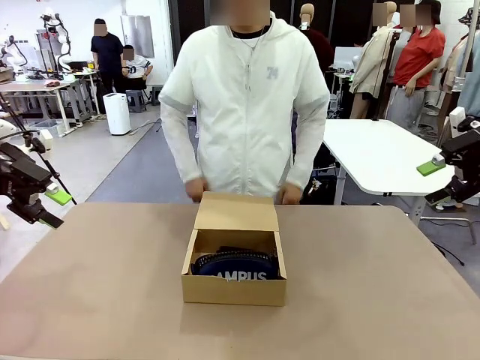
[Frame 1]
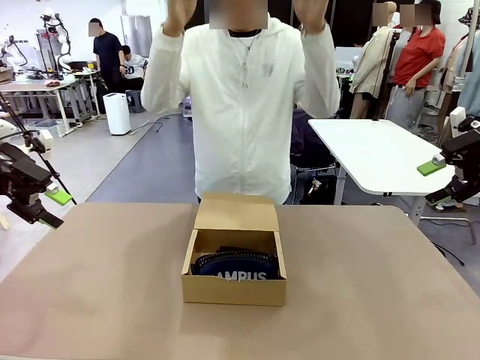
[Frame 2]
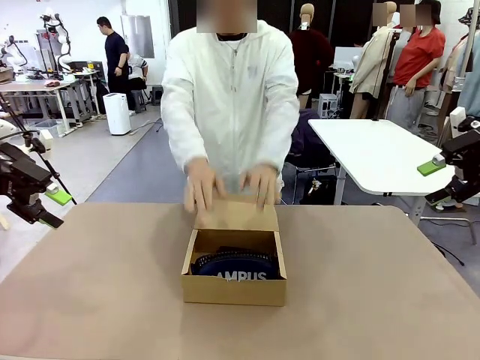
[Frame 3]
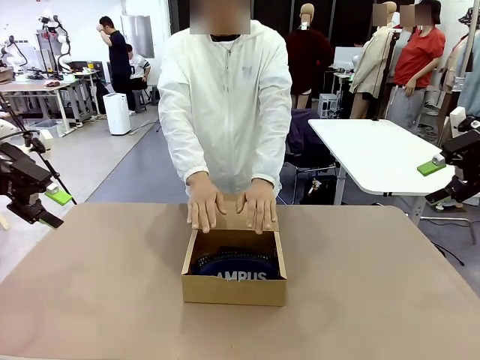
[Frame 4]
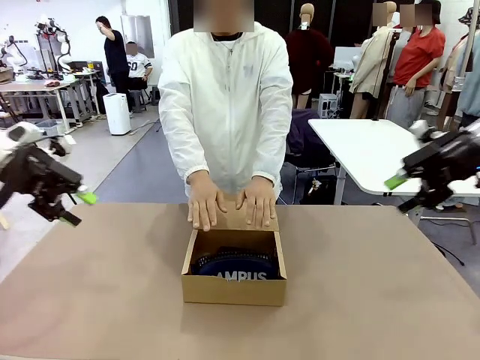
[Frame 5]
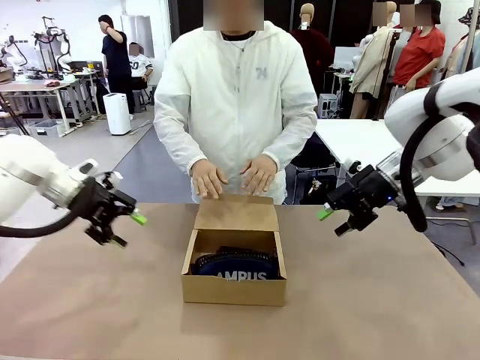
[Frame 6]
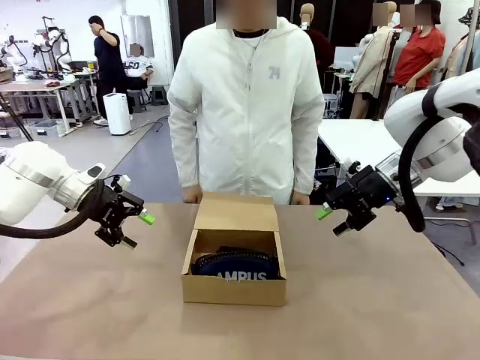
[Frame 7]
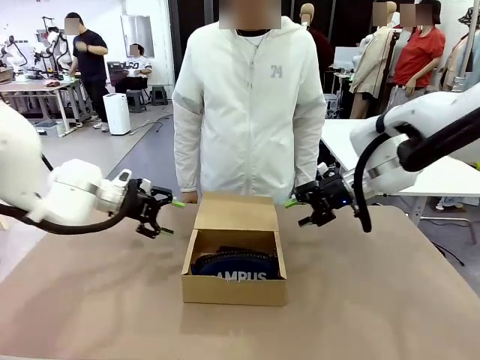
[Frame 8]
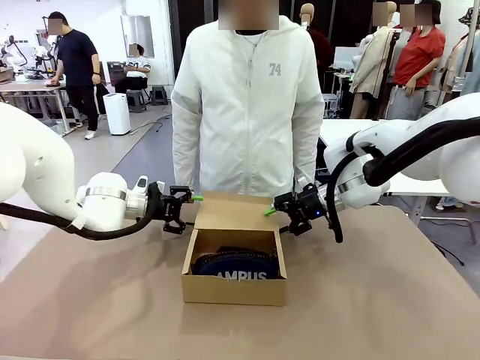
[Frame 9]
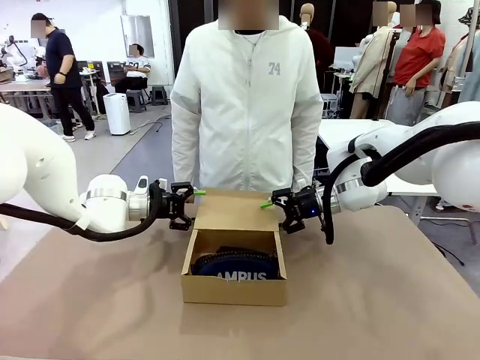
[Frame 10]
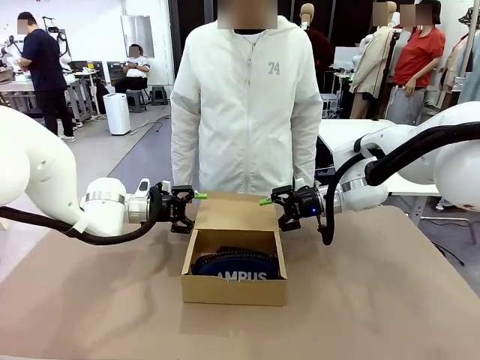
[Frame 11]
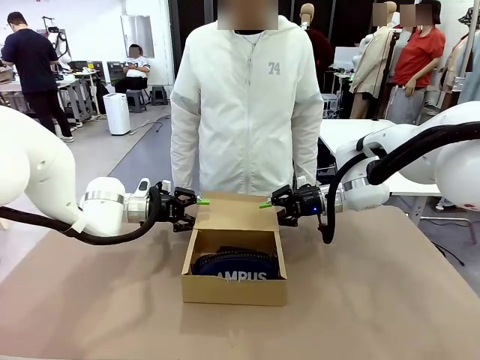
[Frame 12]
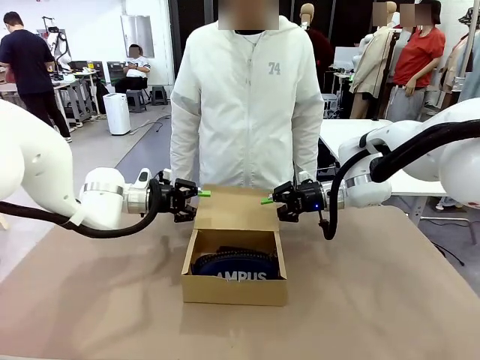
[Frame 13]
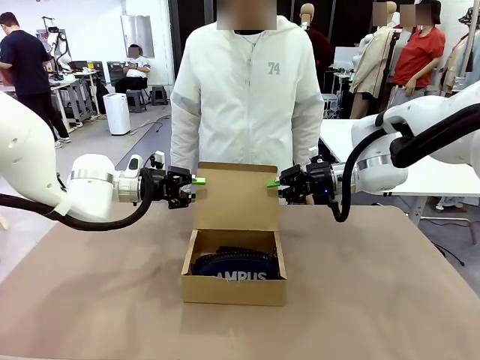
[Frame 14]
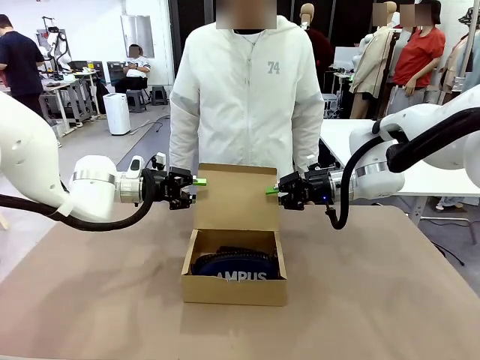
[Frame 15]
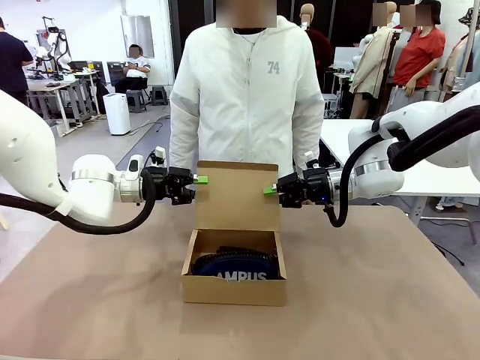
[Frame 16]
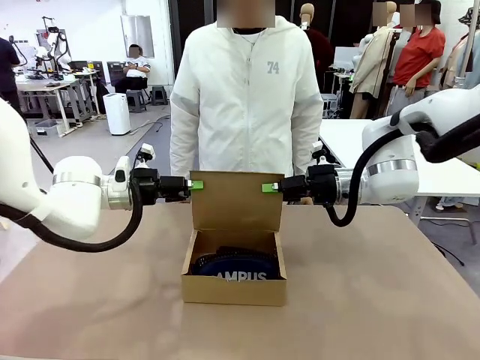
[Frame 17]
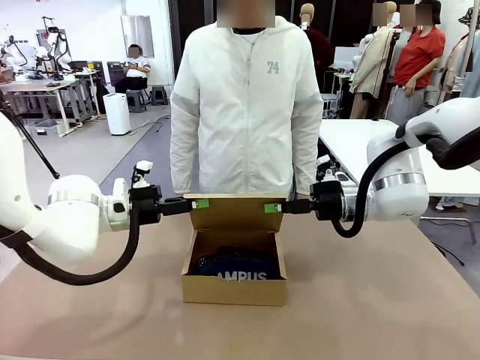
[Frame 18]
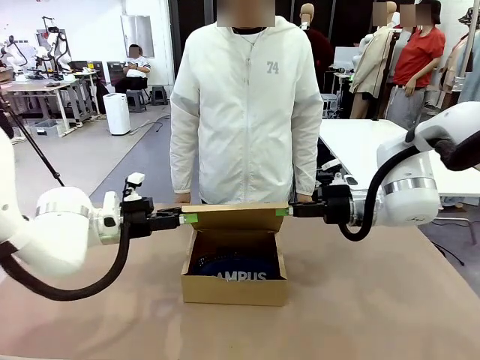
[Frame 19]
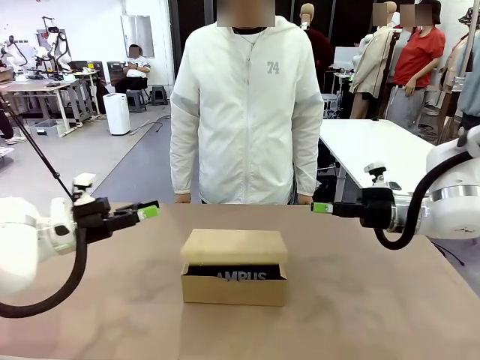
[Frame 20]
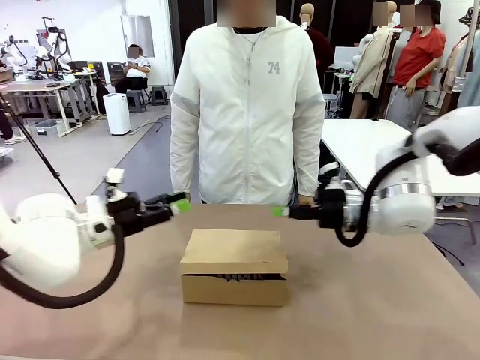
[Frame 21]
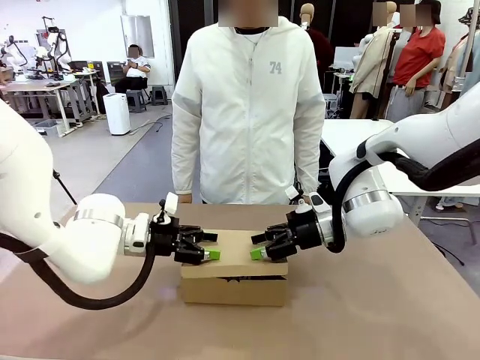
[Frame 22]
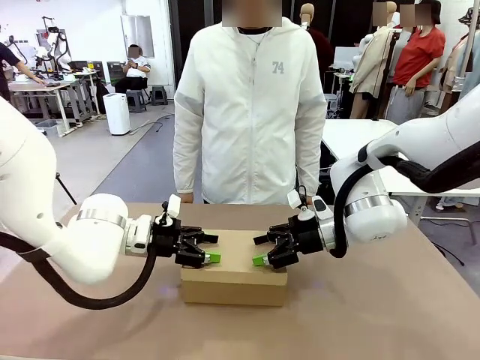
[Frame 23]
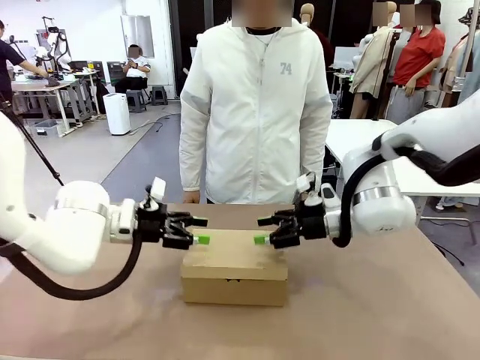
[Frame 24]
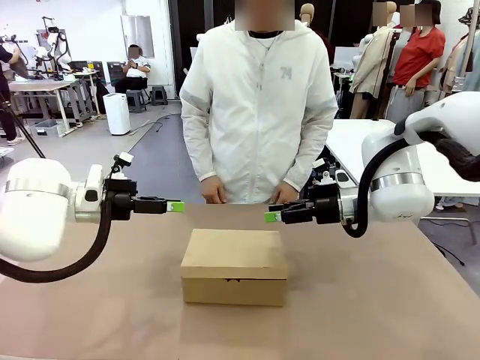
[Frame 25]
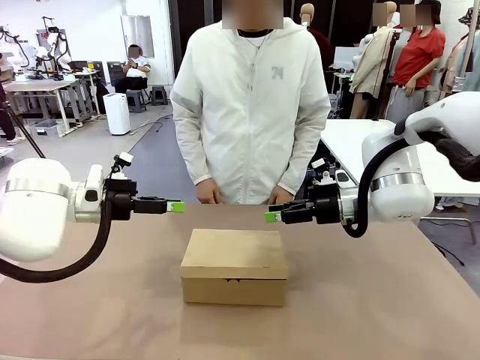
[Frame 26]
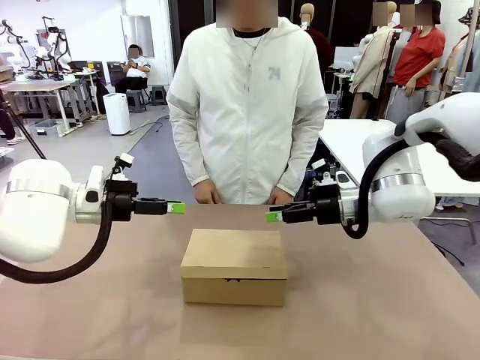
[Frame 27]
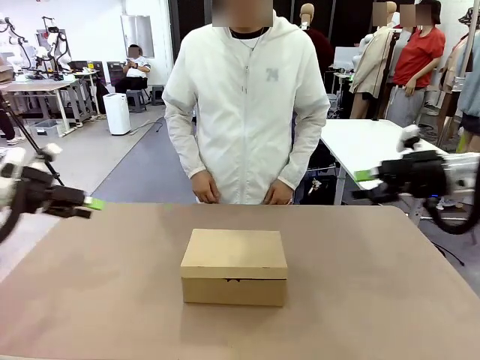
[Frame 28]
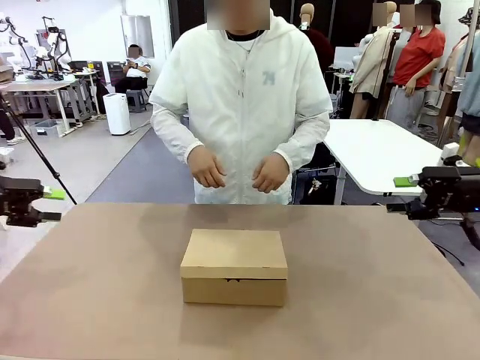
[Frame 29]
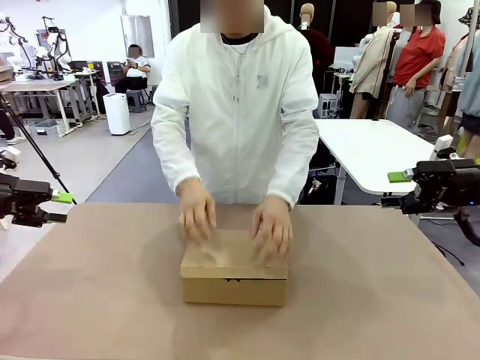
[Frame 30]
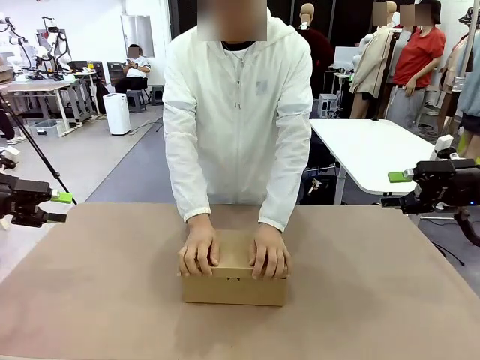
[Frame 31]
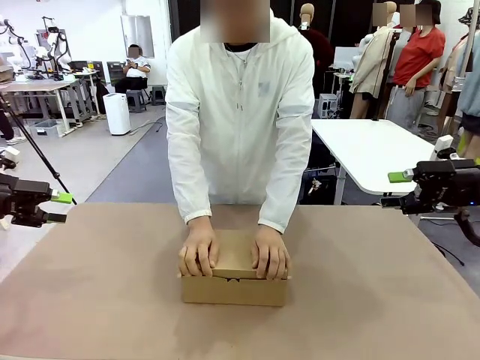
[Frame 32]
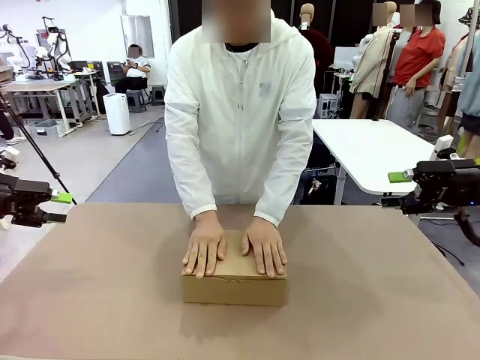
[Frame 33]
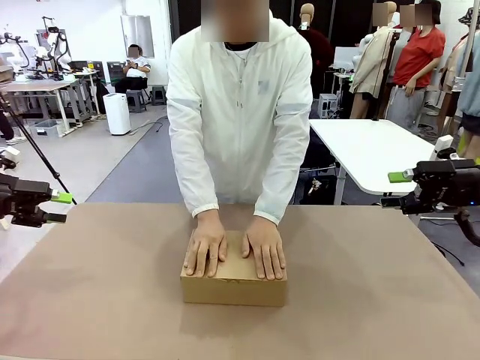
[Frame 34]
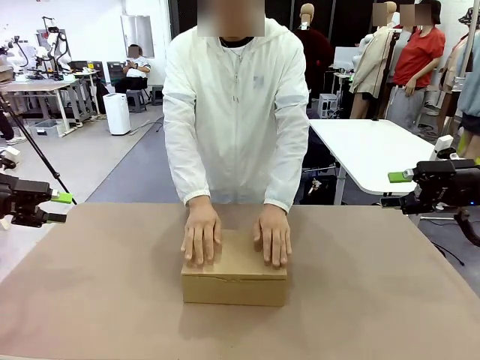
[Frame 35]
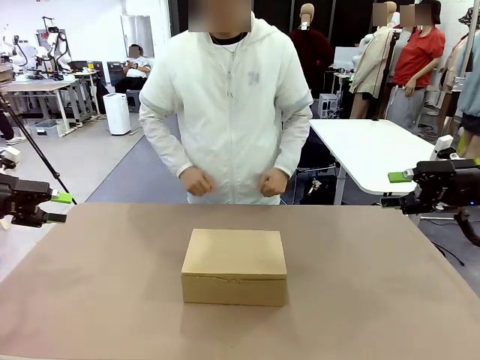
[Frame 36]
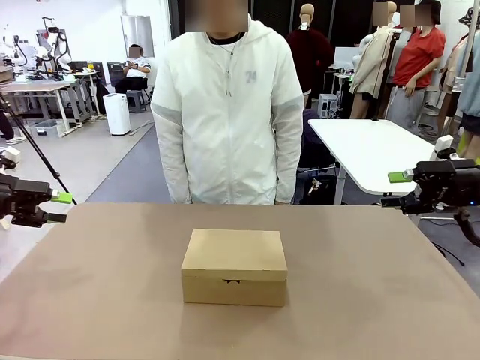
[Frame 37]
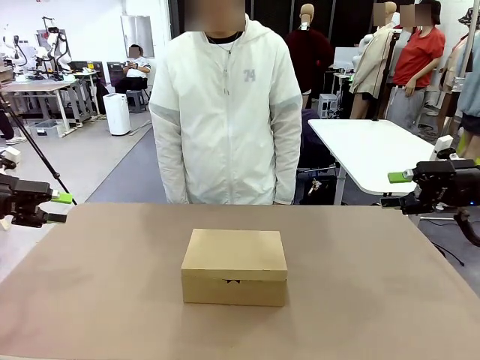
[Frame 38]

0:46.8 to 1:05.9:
Task: Pack the items into the box.
Robot: Close the Mailer Box.
Person: Turn the box and lock it.

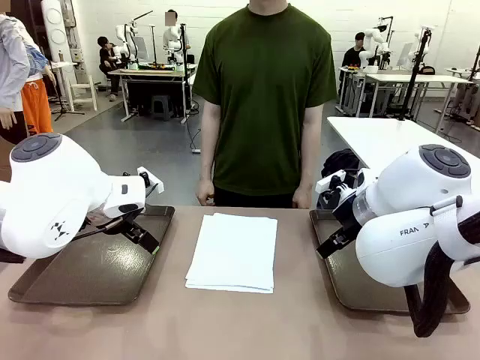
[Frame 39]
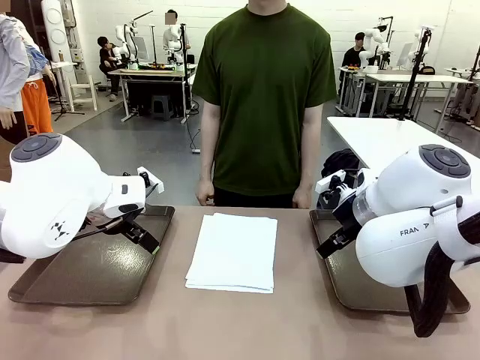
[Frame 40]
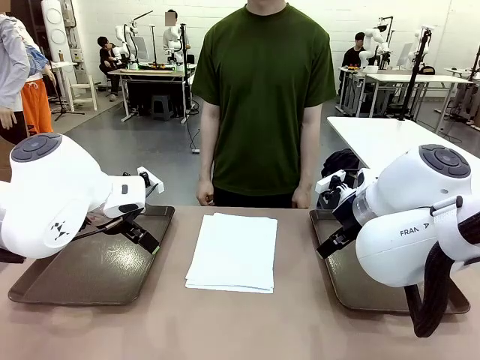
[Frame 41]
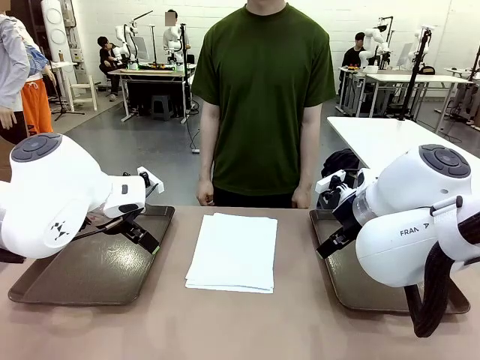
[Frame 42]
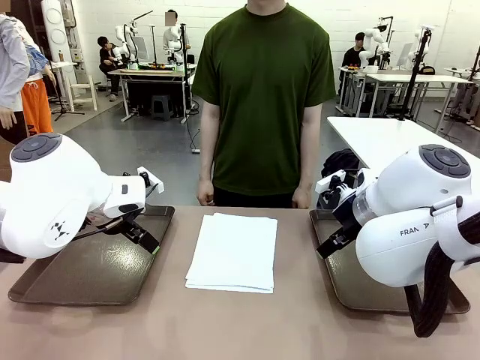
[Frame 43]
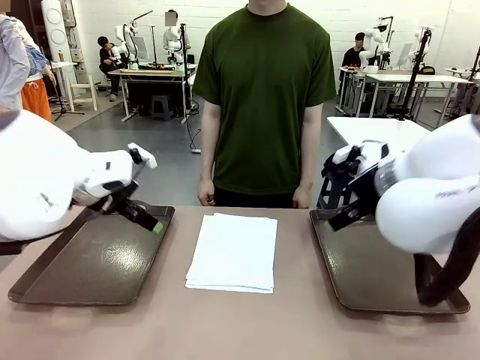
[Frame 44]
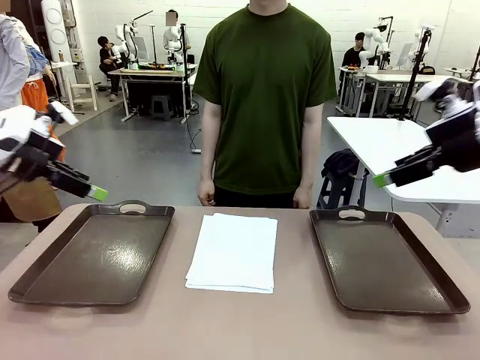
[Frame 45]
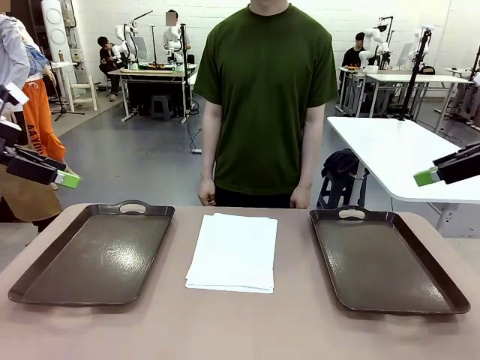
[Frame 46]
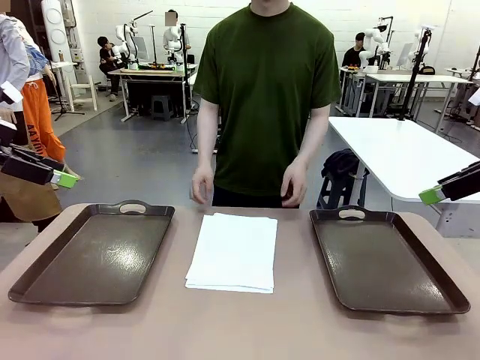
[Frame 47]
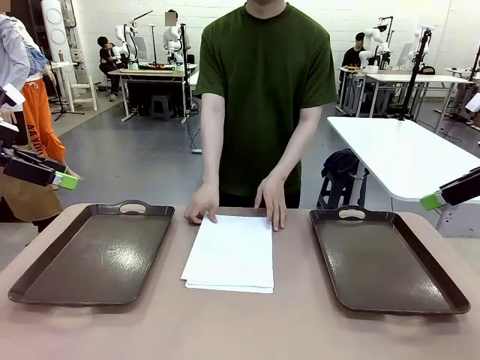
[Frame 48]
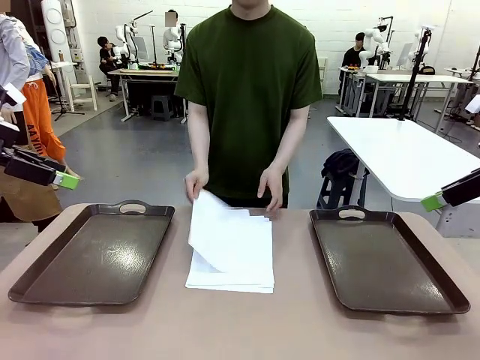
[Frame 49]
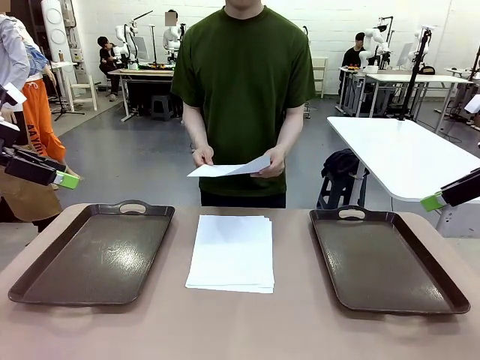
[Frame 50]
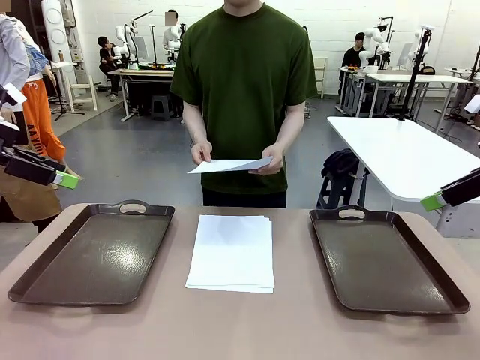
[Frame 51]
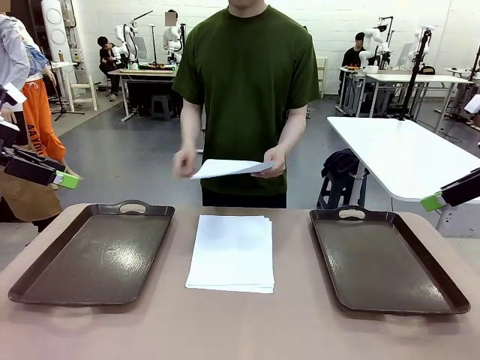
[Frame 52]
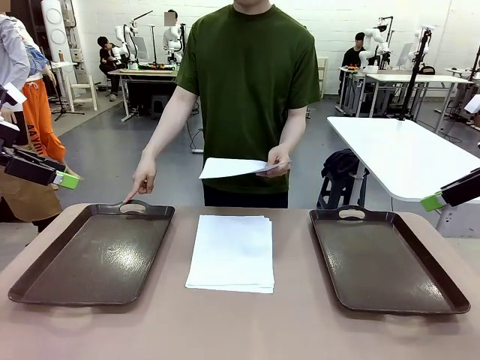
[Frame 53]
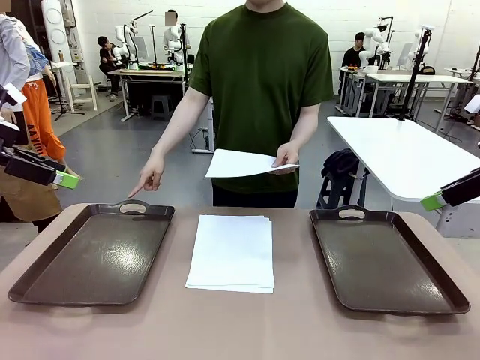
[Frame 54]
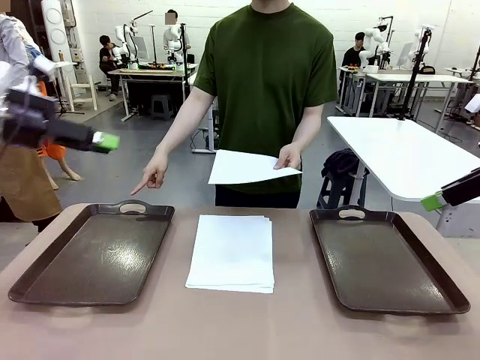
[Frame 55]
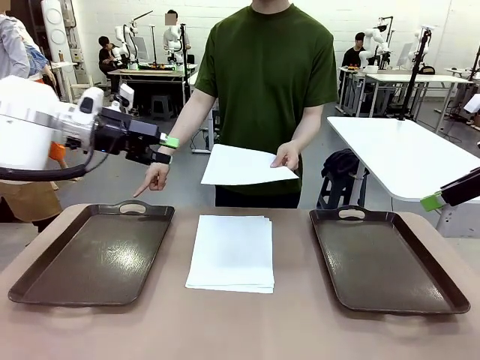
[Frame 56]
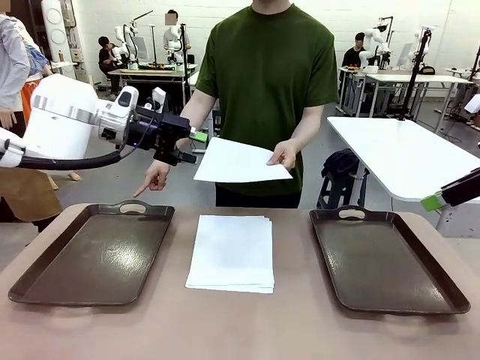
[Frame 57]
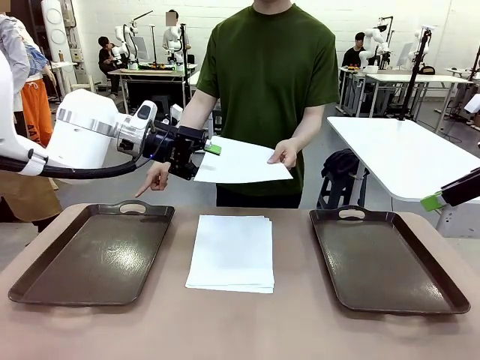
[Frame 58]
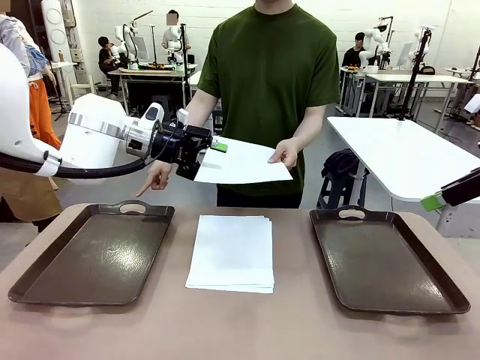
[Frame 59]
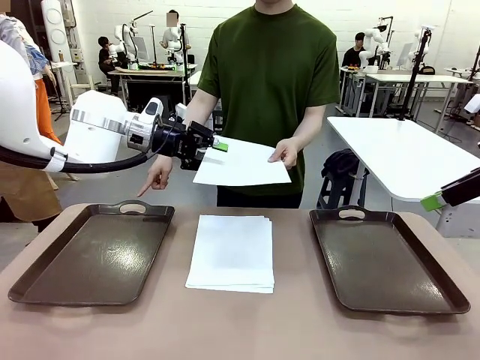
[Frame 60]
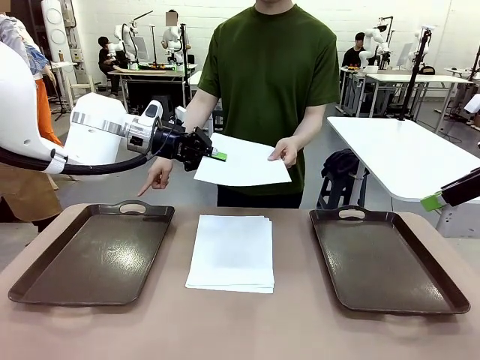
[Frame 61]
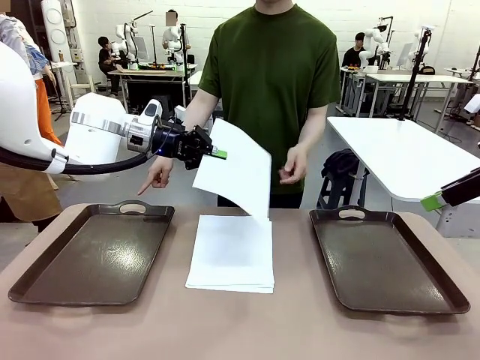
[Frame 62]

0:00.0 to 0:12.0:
Task: Sort the A4 documents.
Robot: Receive the A4 Paper.
Person: Pick up a sheet of paper from the center of the table and hand it to the robot. Point the randomly selected tray with the other hand.
